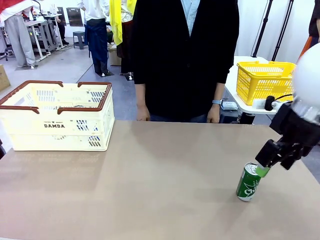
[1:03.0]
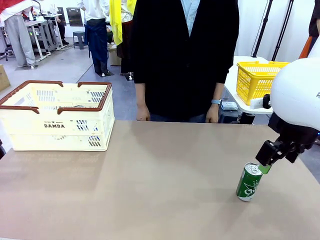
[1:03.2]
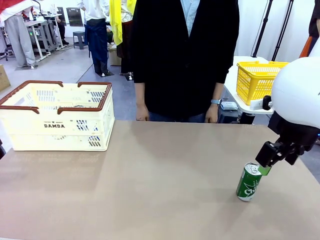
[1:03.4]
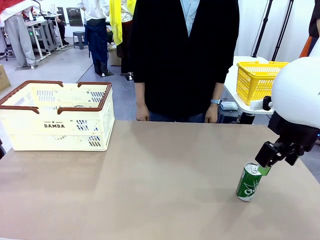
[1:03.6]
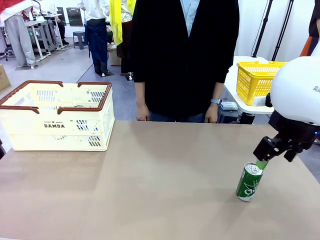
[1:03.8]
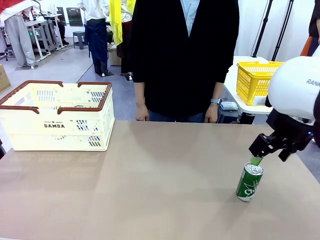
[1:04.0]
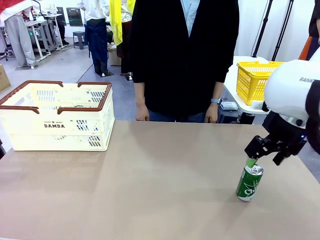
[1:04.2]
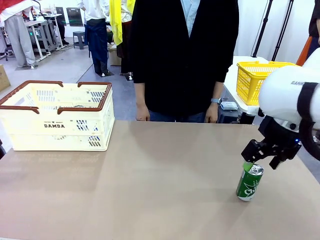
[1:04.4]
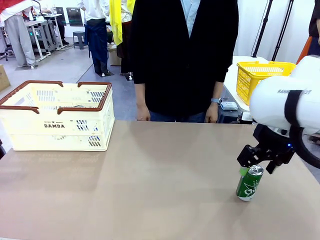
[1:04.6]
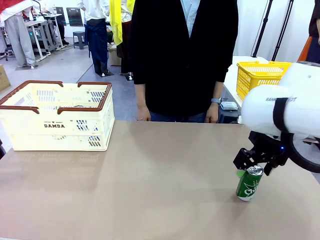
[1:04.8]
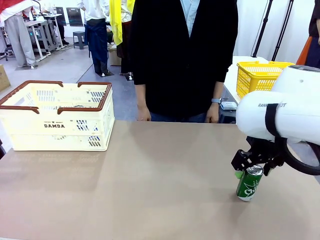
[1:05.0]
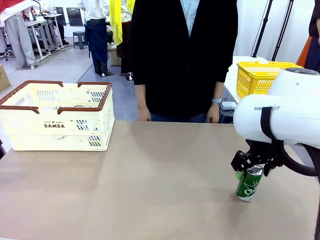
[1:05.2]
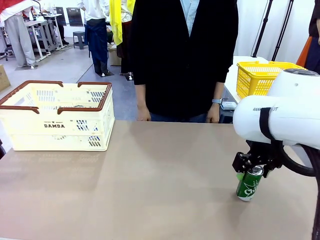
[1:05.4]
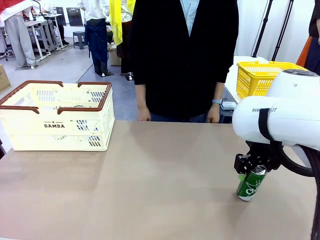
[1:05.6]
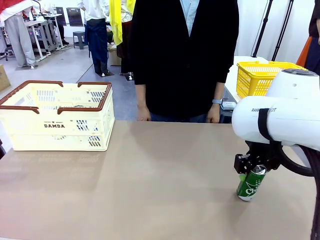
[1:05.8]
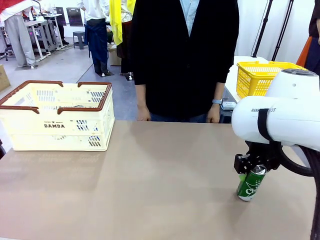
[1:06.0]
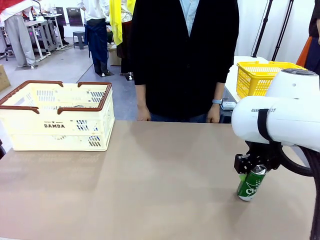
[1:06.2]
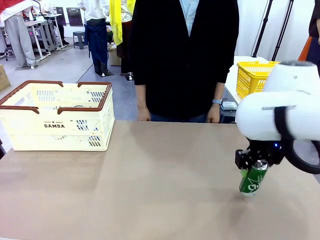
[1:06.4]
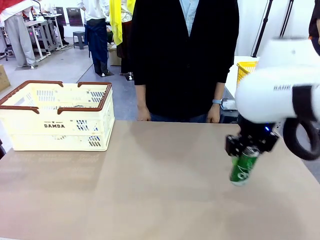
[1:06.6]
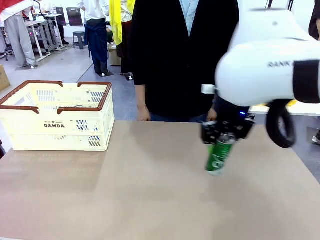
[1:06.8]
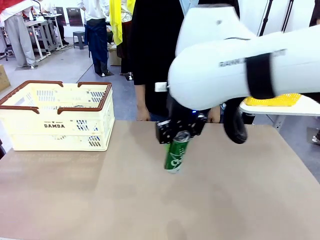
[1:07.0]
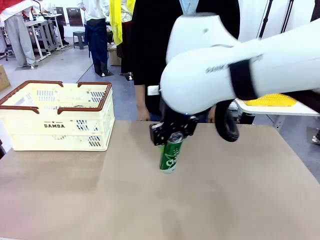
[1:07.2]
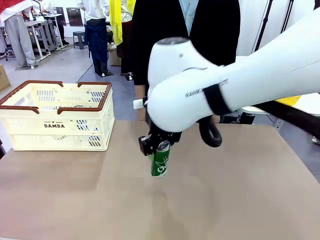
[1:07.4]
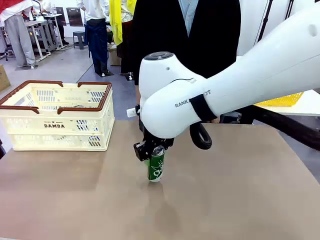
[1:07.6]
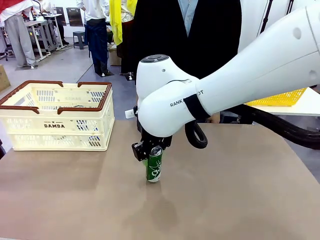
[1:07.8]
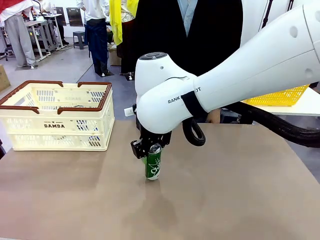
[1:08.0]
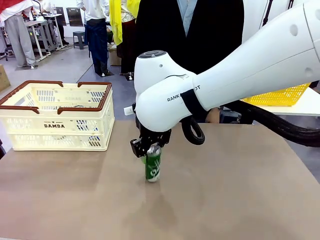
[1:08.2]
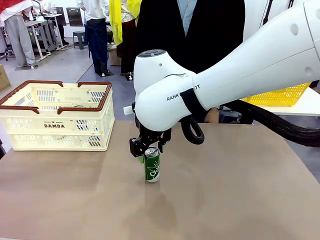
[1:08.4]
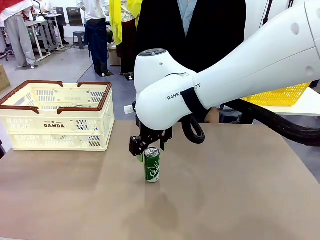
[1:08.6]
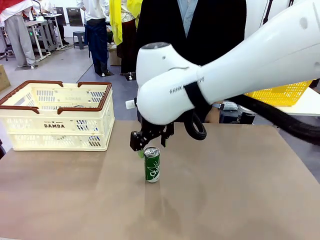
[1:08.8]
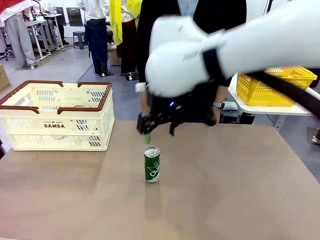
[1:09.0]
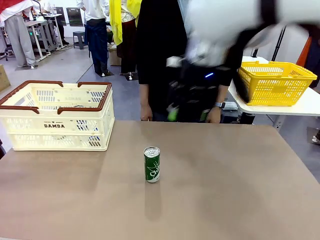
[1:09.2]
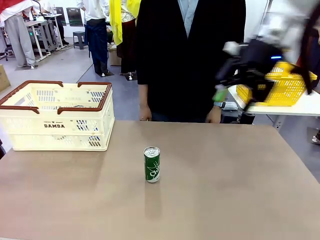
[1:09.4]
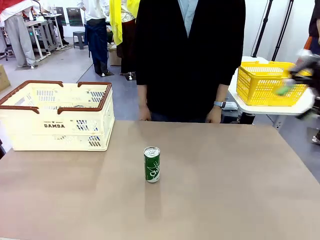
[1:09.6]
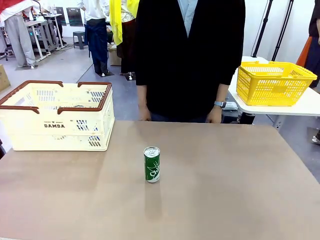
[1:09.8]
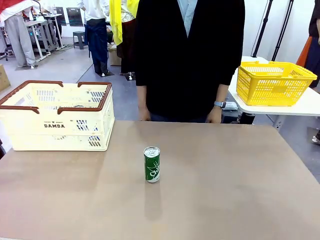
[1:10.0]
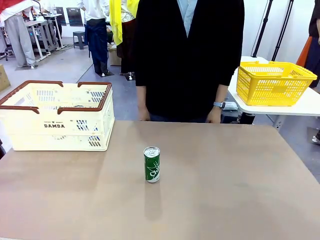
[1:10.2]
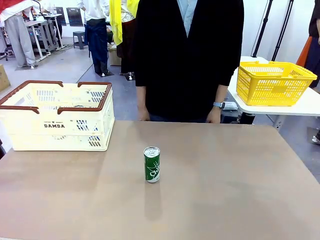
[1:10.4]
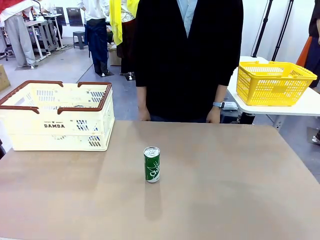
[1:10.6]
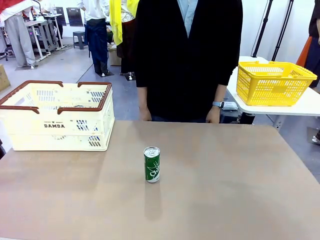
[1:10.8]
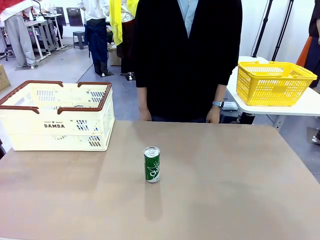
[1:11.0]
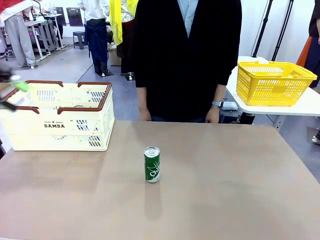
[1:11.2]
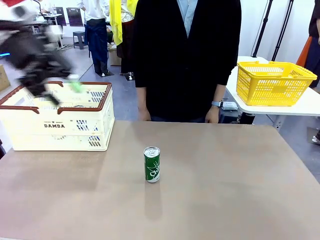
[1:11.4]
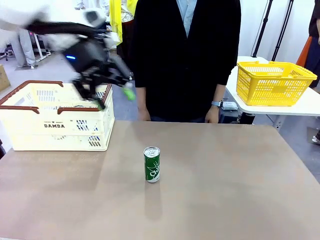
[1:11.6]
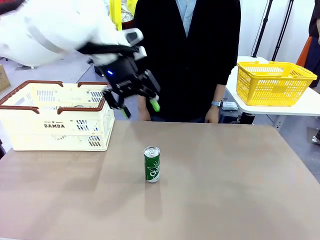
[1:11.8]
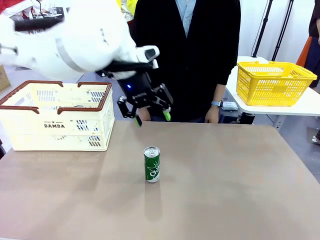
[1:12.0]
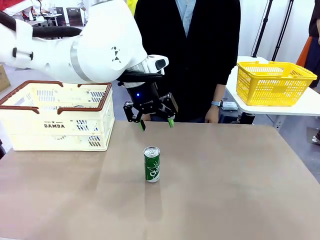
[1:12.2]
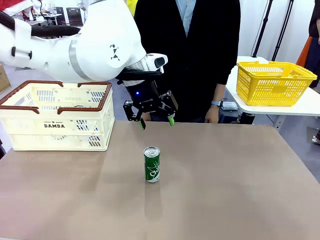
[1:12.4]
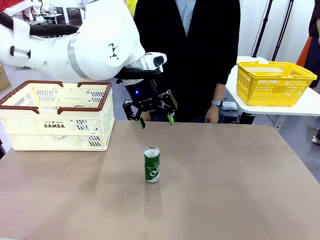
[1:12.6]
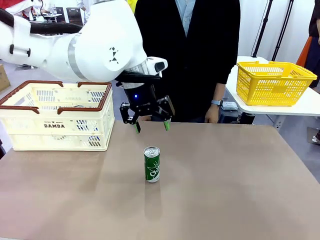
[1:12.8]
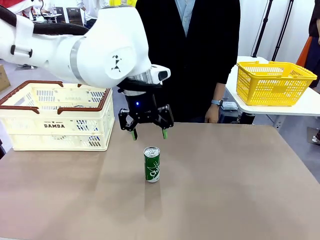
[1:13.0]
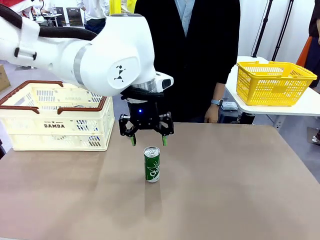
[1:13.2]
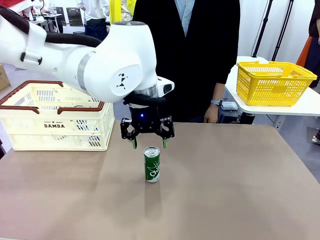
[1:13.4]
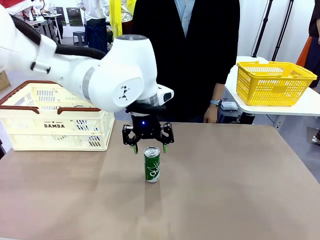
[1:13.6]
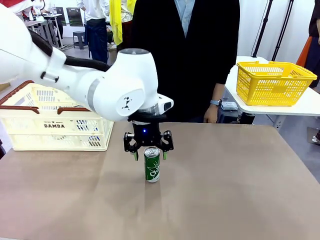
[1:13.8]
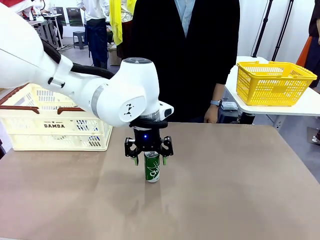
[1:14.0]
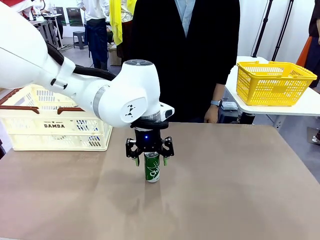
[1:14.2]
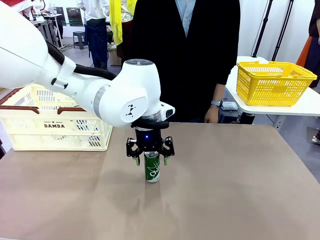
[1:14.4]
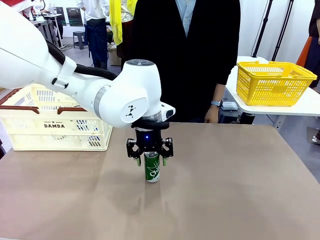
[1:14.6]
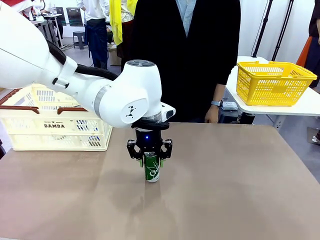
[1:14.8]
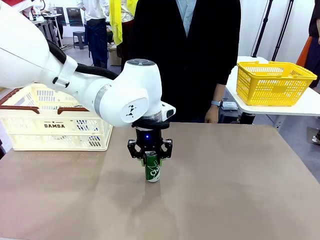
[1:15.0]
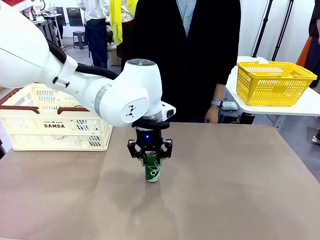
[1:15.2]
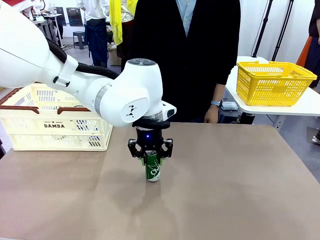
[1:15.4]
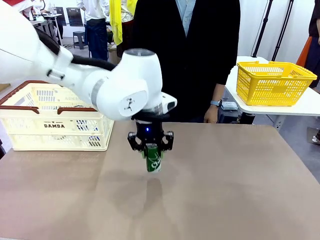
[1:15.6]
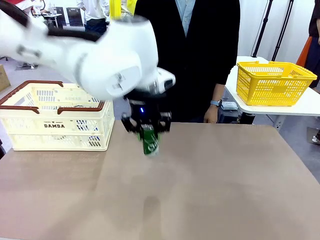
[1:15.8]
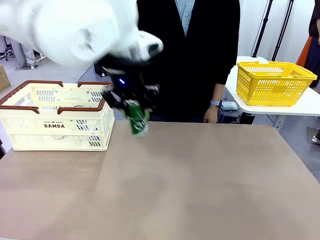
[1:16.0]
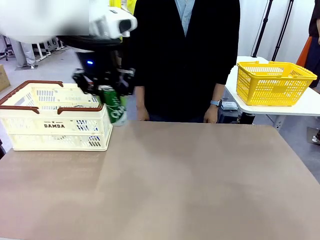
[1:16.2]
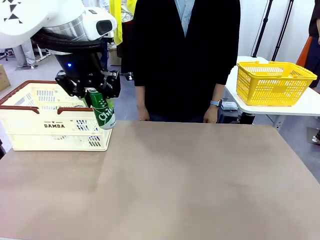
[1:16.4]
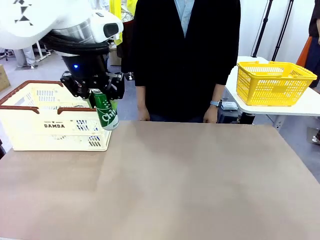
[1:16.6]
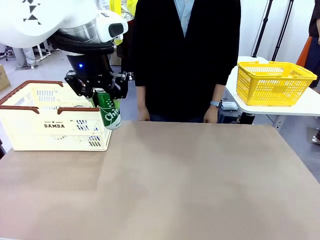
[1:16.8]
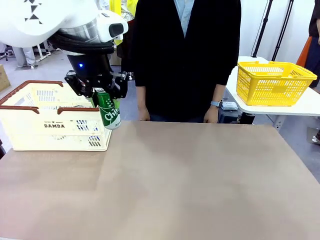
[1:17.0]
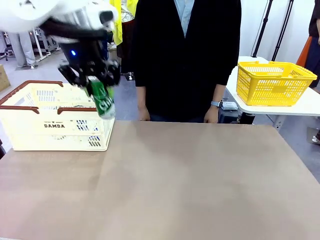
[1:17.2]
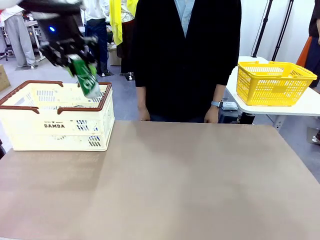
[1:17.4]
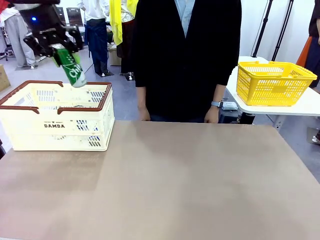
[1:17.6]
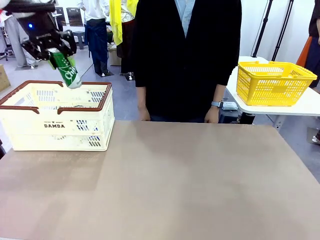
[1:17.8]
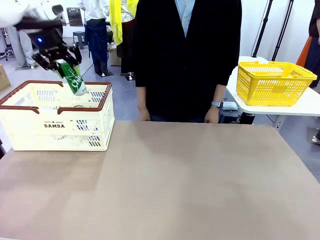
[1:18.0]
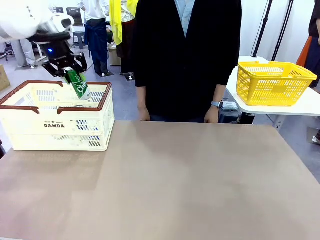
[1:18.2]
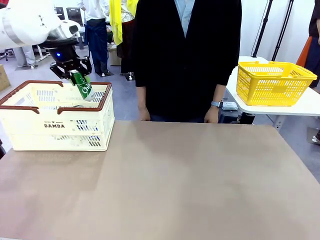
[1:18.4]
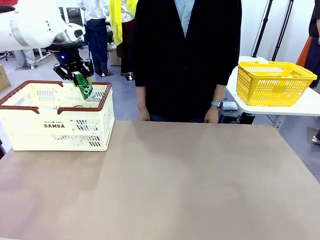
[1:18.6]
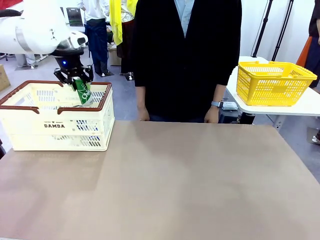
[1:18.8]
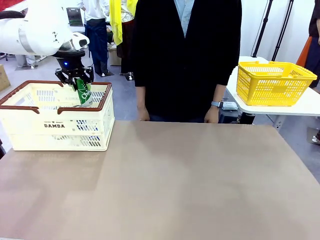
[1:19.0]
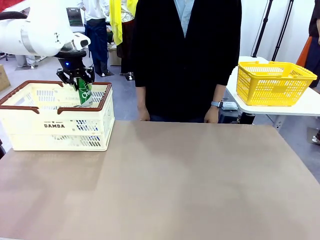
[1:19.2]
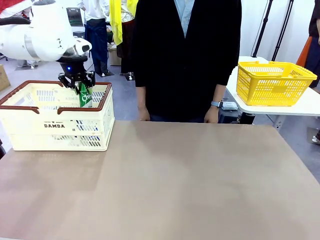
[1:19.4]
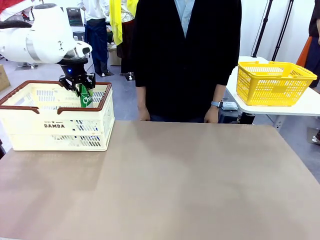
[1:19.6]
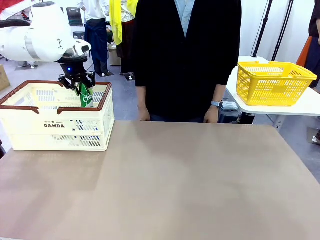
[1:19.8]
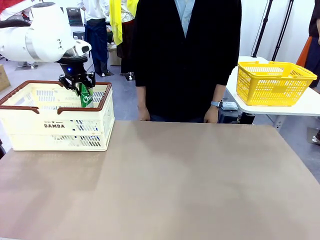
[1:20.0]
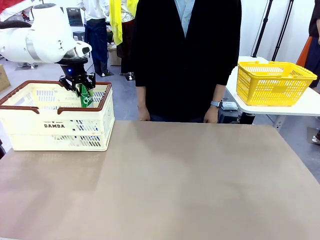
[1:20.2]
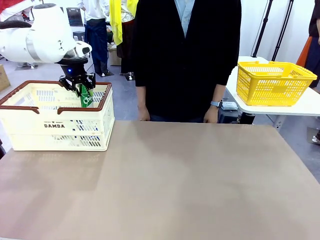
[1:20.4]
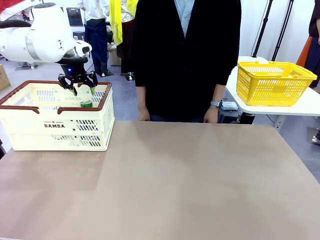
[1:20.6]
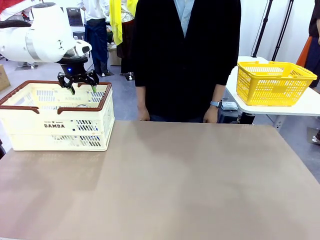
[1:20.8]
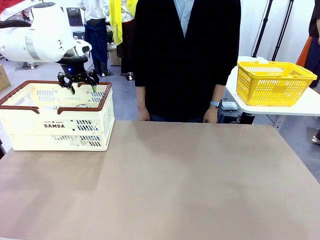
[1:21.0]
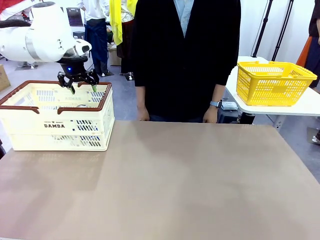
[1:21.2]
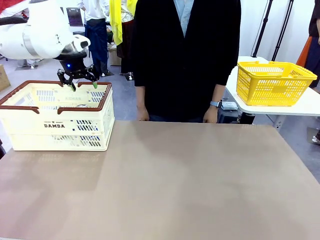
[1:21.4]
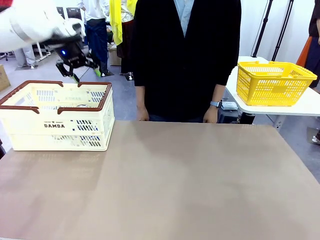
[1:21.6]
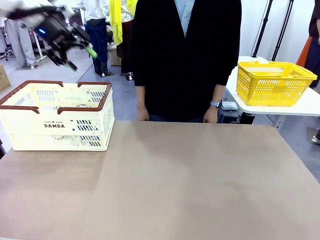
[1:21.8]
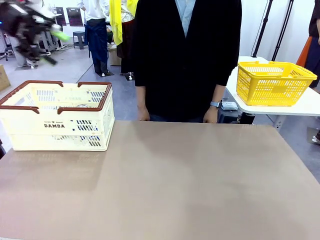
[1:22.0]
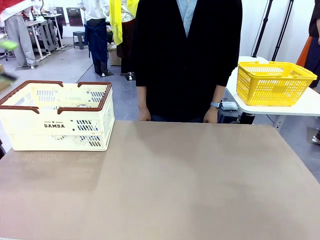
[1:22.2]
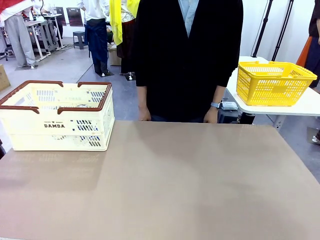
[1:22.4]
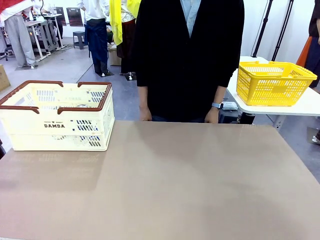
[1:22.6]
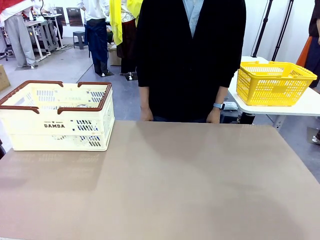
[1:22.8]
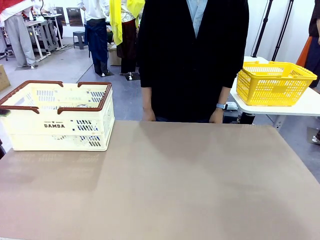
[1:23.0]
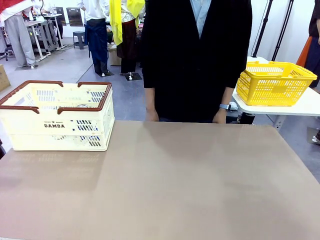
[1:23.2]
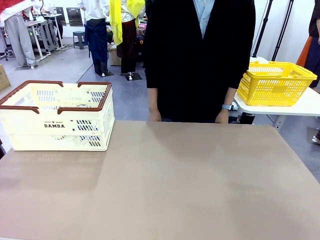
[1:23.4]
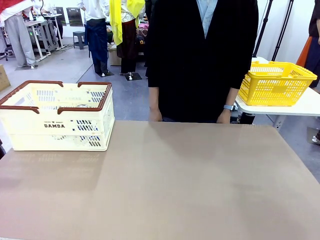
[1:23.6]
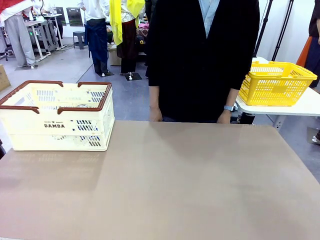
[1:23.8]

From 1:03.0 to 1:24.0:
Task: Place the drinks into the Shopping basket.
Robot: Pick up one drink and place it into the Shopping basket.
